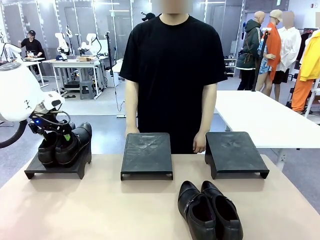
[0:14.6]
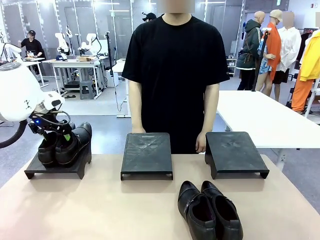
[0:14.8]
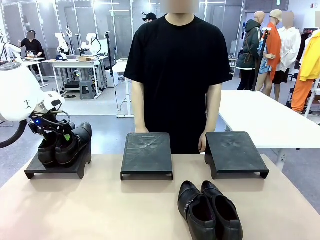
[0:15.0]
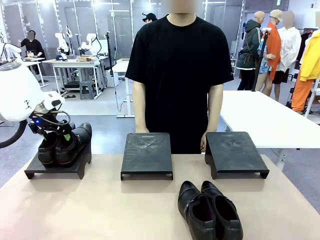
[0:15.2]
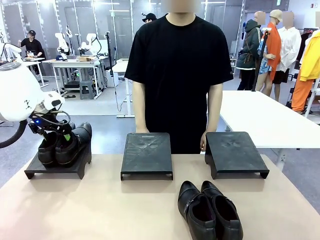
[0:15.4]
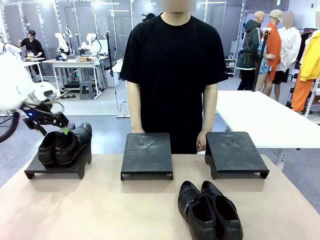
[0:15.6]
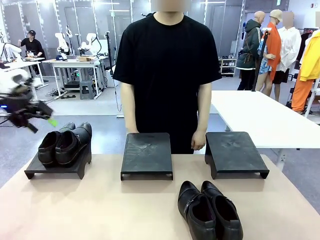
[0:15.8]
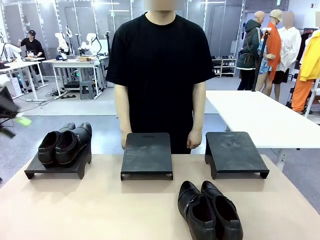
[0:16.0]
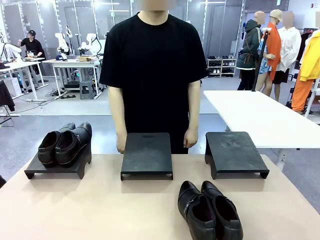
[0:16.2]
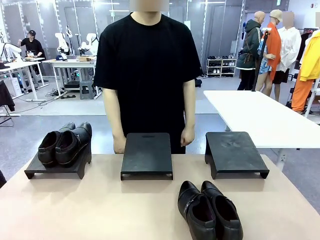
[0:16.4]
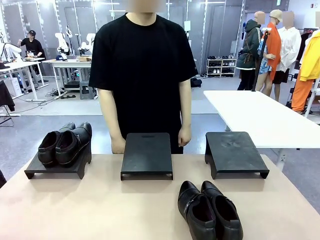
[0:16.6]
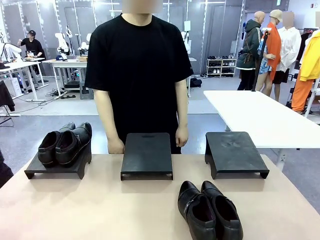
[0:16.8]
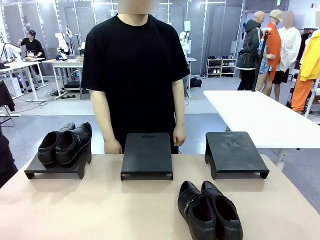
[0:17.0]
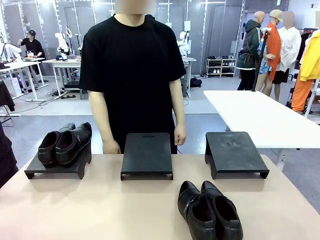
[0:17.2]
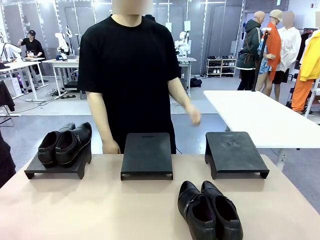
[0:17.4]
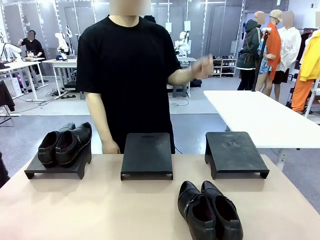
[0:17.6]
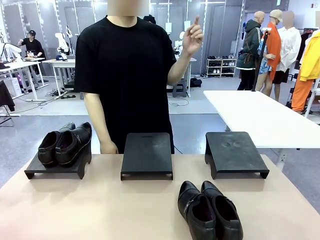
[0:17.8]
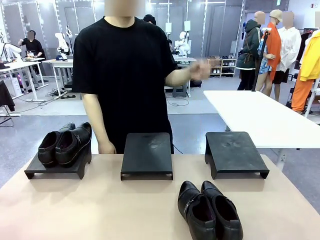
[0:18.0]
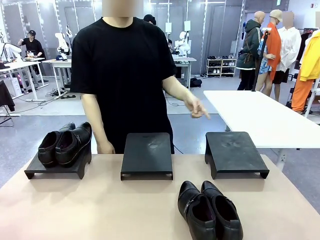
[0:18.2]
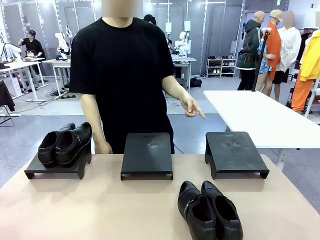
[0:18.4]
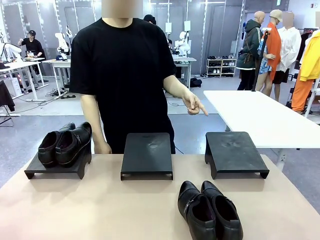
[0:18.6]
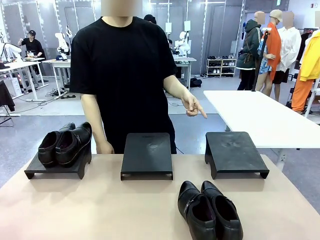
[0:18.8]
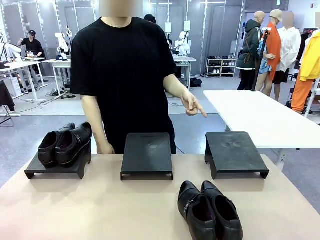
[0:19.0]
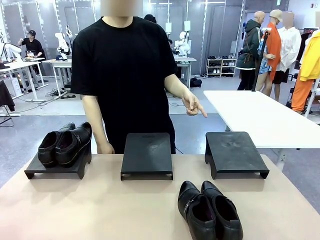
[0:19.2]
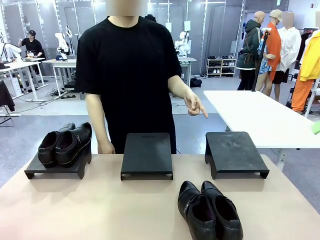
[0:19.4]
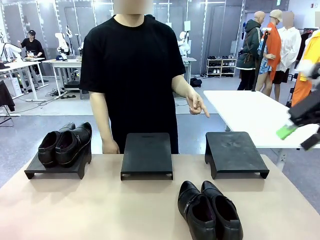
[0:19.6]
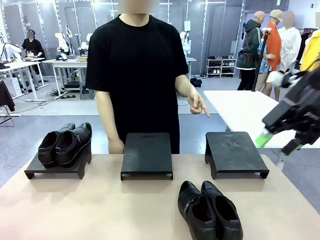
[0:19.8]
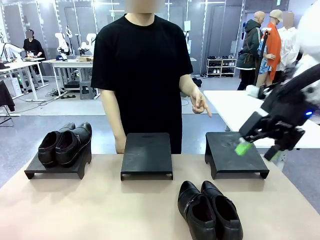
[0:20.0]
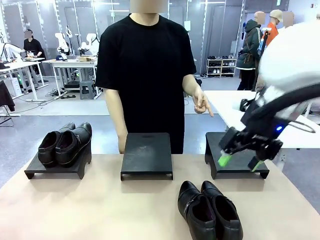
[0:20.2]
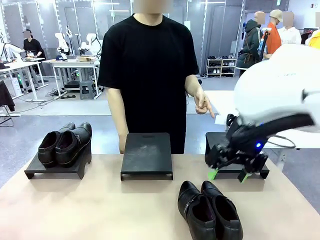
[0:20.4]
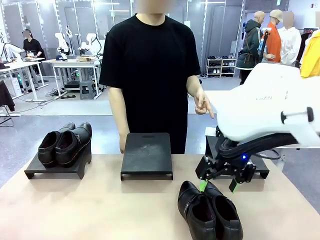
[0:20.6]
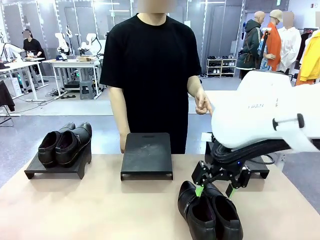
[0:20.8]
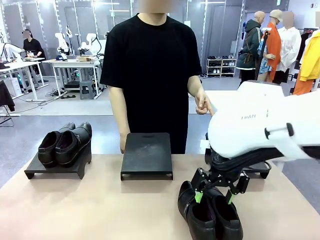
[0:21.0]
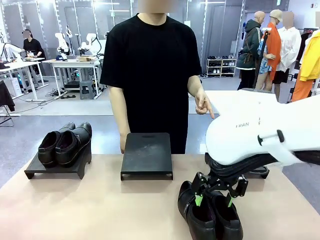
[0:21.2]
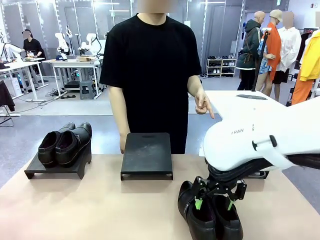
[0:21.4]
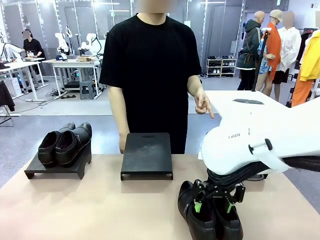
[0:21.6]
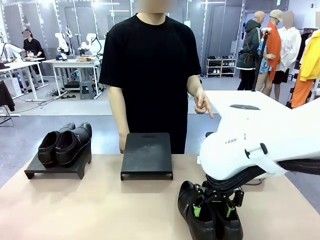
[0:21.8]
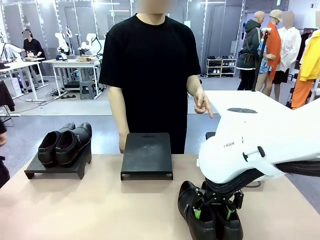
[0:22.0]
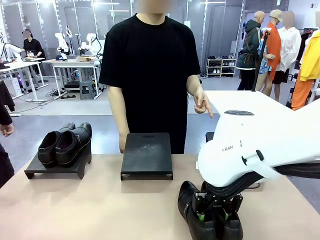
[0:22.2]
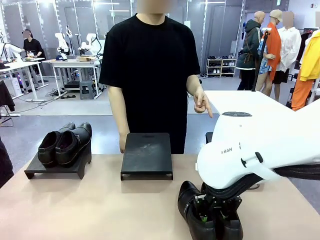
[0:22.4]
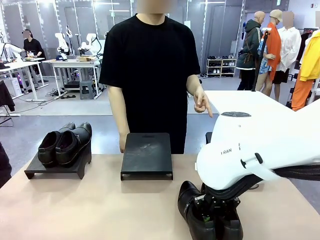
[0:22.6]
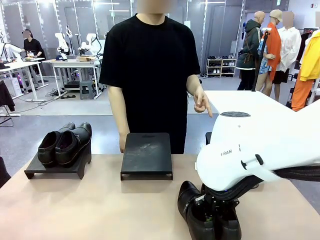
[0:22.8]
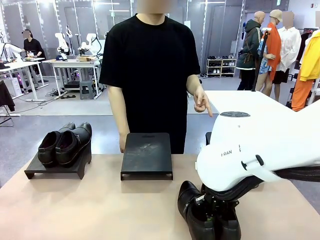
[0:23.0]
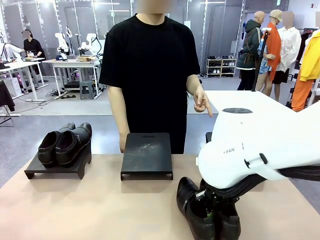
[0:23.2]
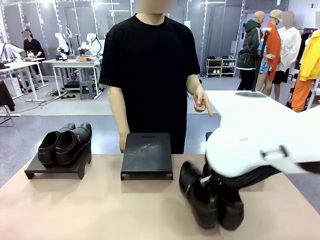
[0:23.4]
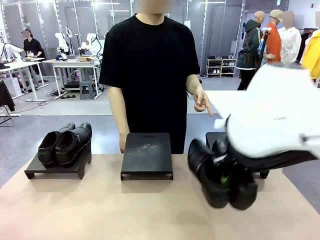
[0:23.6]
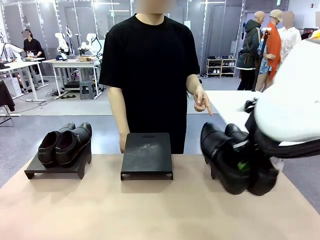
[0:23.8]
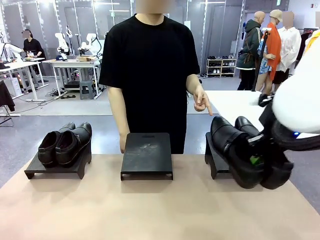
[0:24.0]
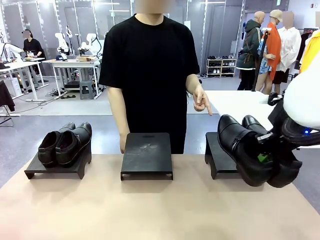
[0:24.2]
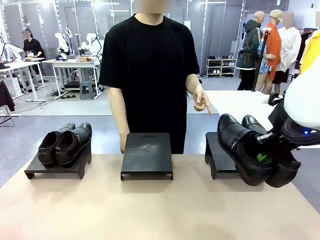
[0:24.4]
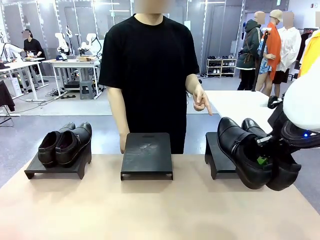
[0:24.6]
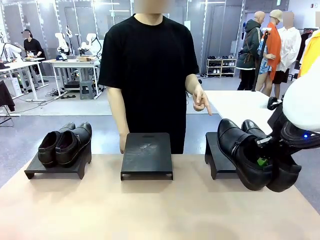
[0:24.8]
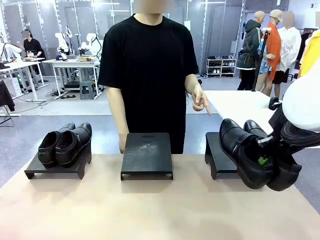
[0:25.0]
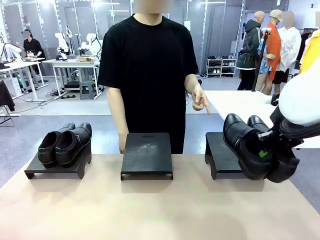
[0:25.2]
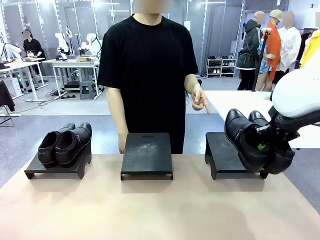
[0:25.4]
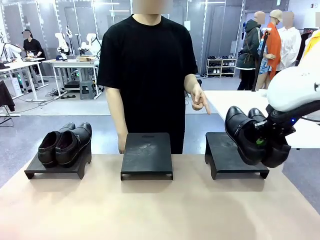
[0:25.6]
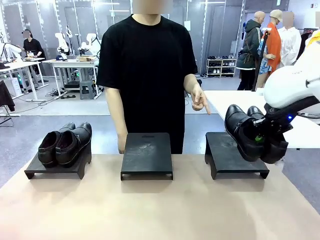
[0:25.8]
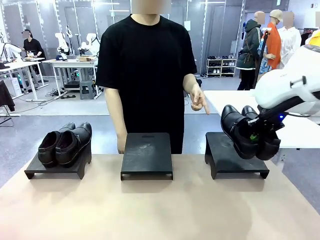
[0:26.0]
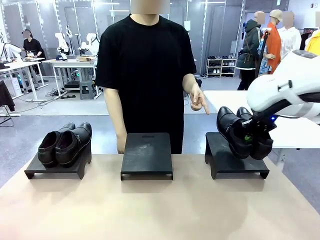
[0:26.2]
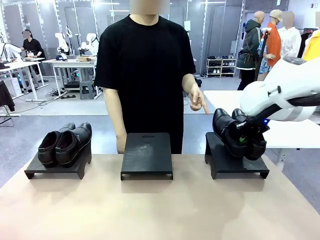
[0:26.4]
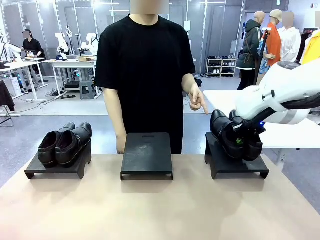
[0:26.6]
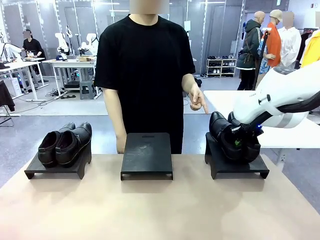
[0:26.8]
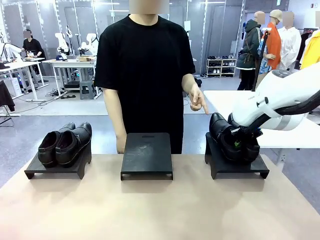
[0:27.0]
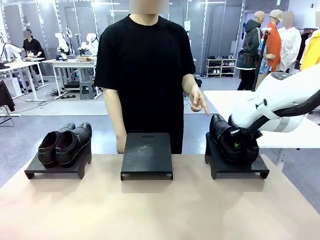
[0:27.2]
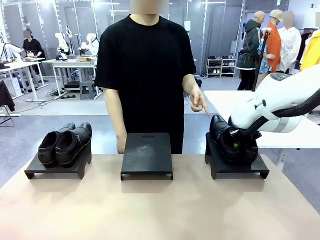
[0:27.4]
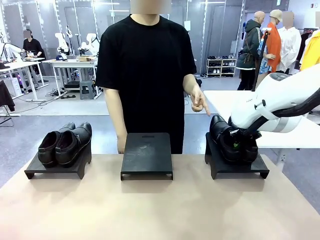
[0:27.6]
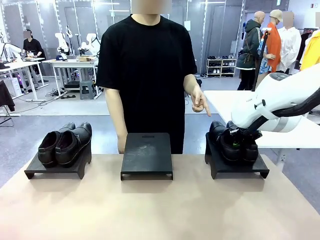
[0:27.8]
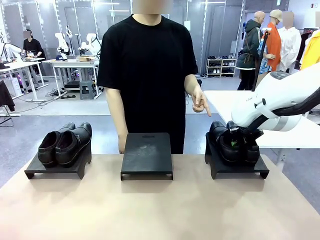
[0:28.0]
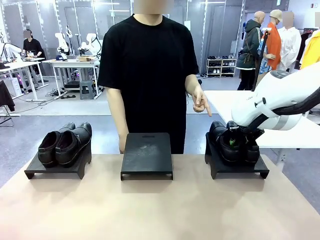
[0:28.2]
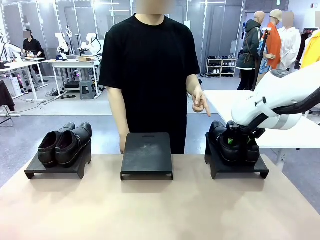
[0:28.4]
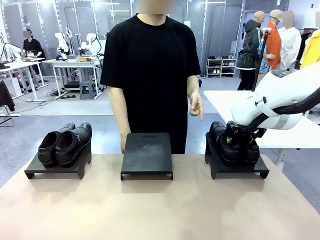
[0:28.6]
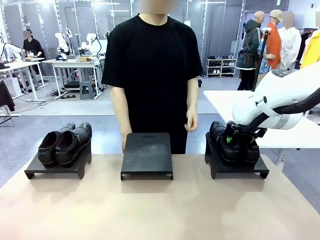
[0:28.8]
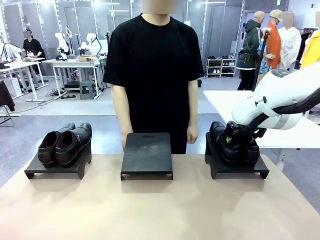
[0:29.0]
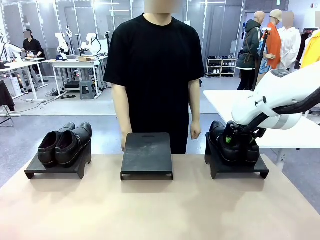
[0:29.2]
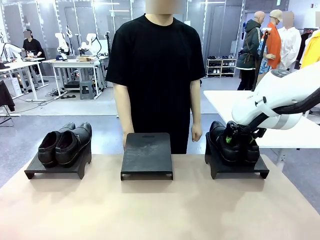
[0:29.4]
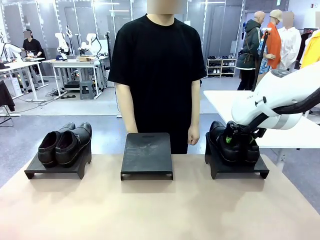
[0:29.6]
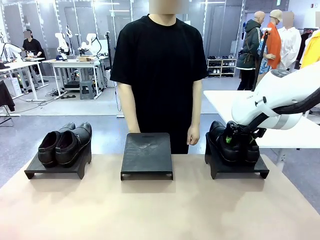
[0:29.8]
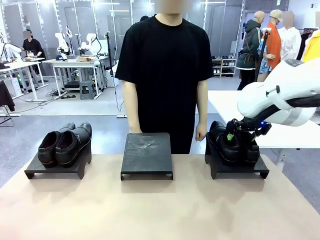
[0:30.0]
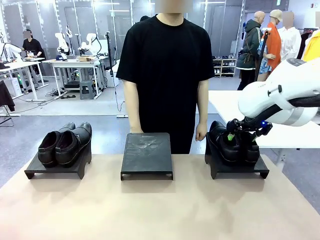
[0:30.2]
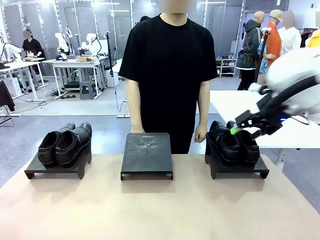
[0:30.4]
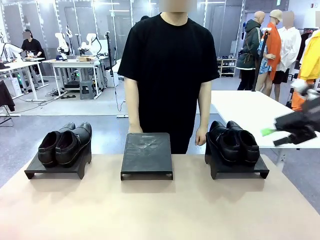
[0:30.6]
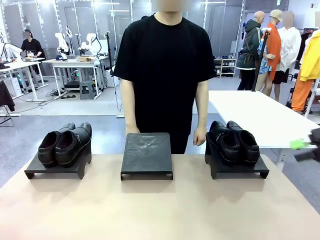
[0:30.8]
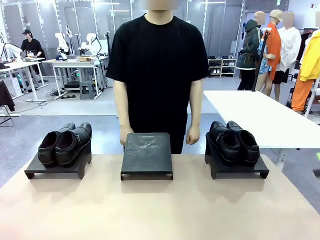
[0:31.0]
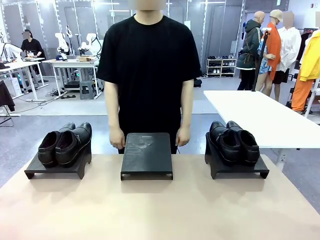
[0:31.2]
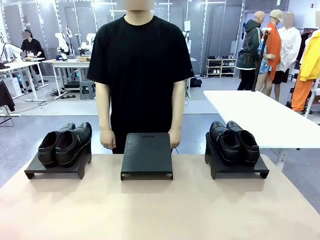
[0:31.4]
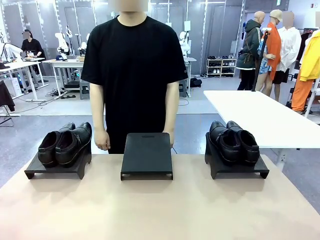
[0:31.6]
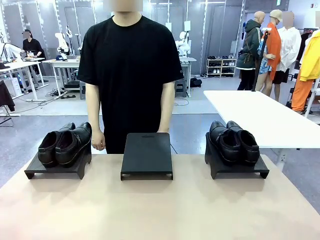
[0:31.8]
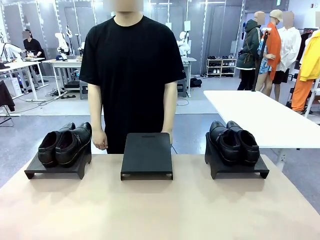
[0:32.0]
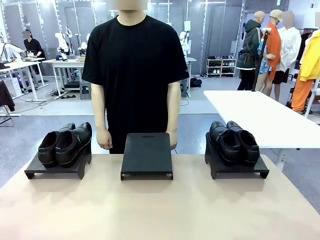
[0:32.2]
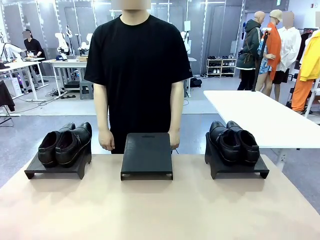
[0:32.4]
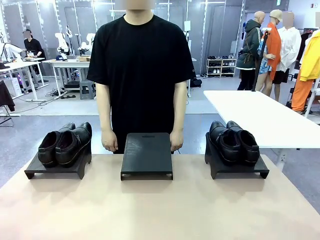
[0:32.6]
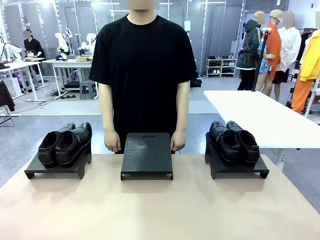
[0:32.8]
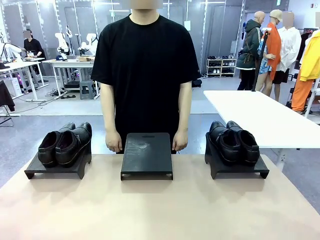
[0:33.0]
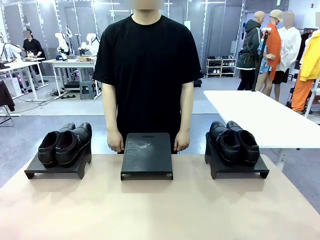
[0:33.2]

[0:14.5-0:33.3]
Task: Place the shoes on the stand as instructed by the person.
Robot: Pick up another pair of Shoes and place it on the Shoes Stand indicated by the person.
Person: Point to one Shoes Stand.
